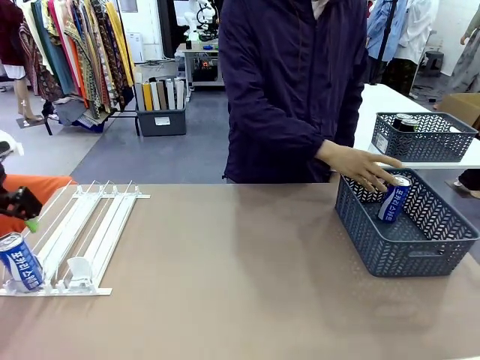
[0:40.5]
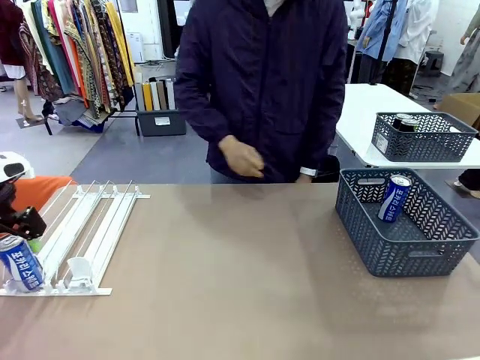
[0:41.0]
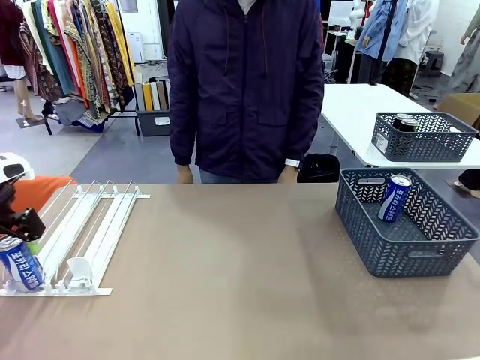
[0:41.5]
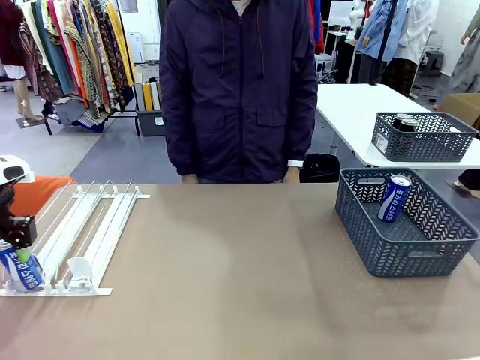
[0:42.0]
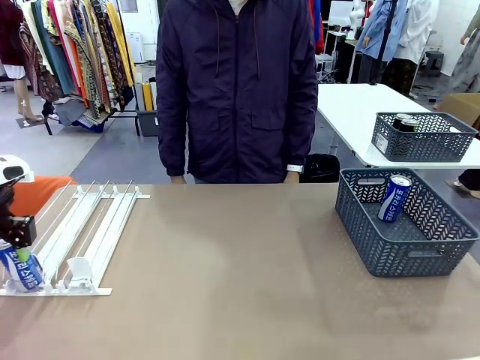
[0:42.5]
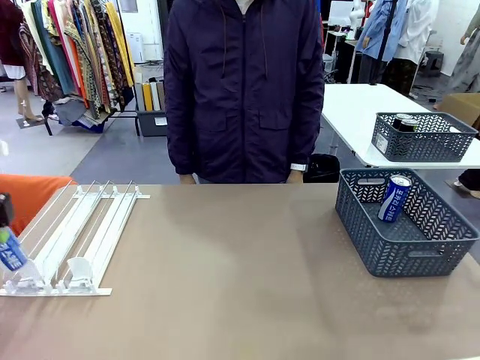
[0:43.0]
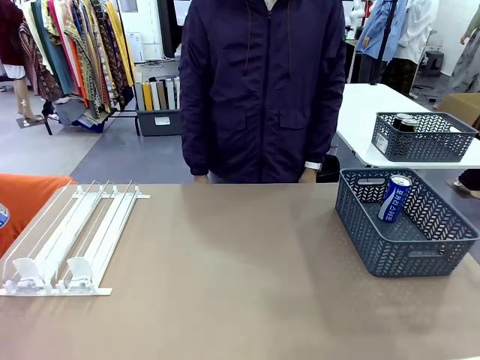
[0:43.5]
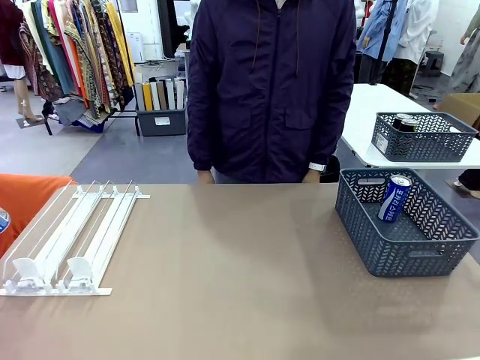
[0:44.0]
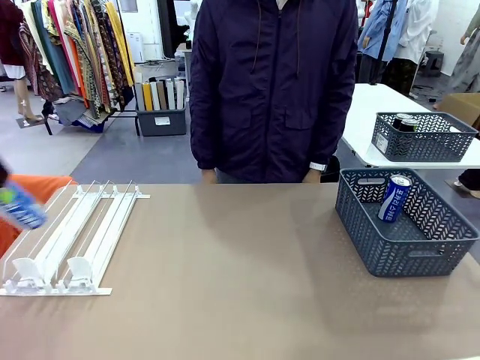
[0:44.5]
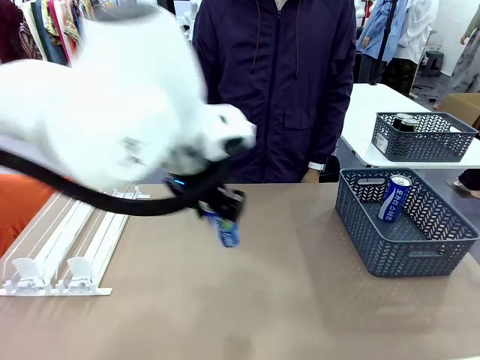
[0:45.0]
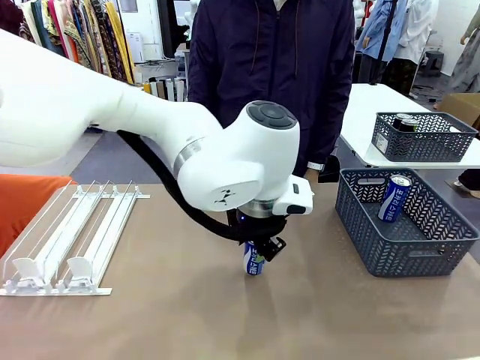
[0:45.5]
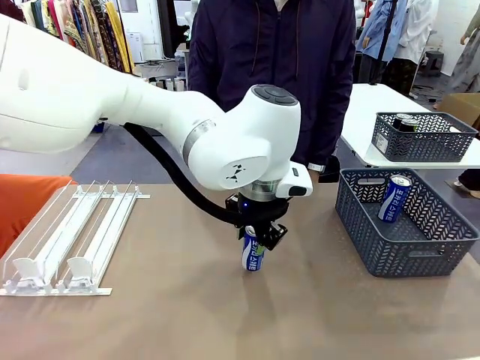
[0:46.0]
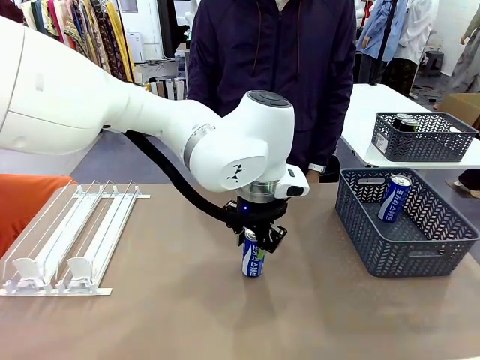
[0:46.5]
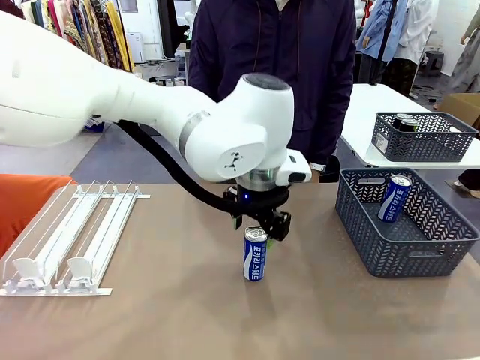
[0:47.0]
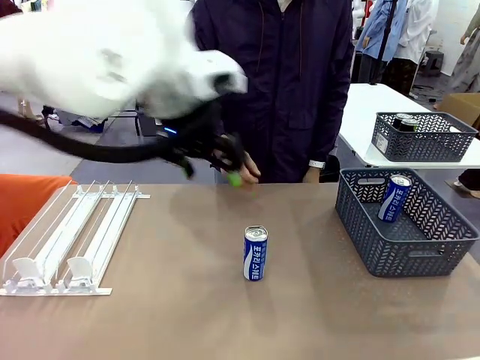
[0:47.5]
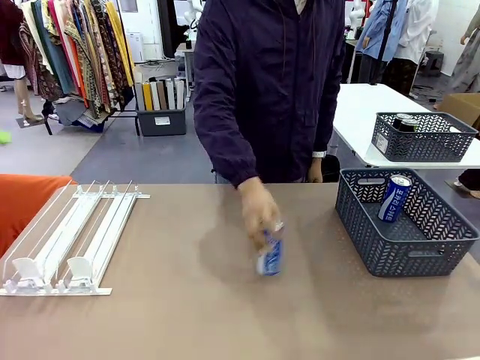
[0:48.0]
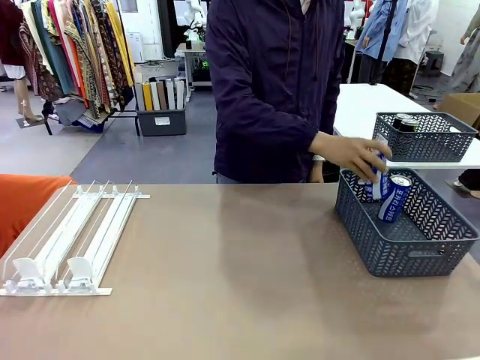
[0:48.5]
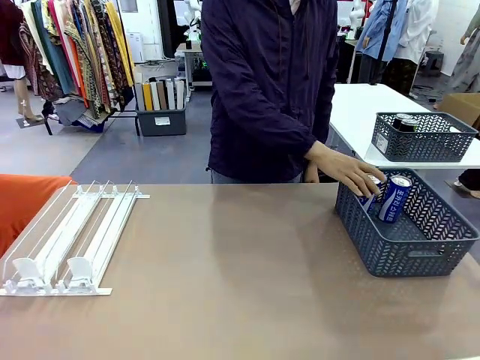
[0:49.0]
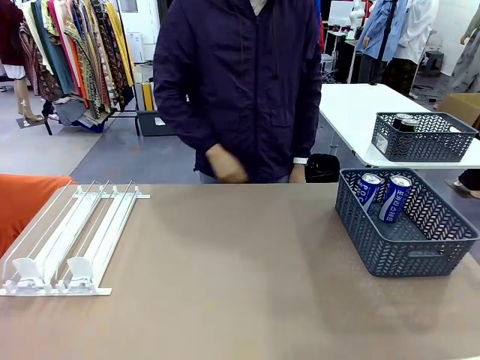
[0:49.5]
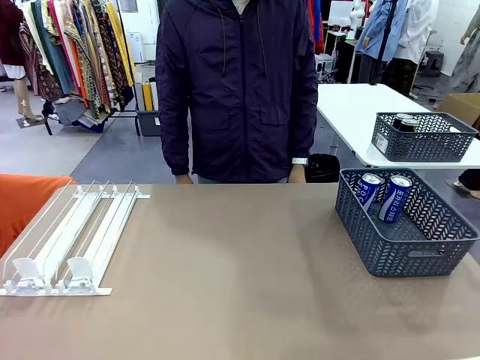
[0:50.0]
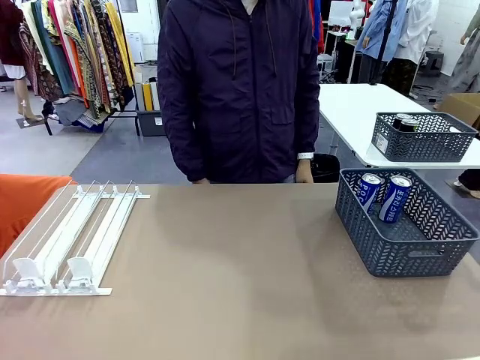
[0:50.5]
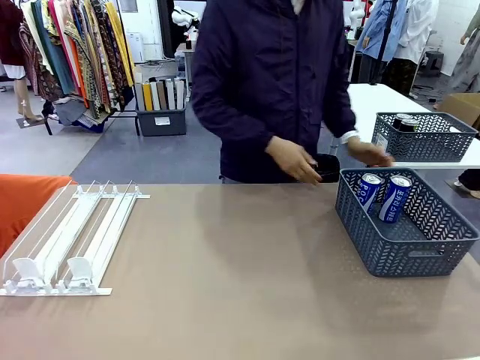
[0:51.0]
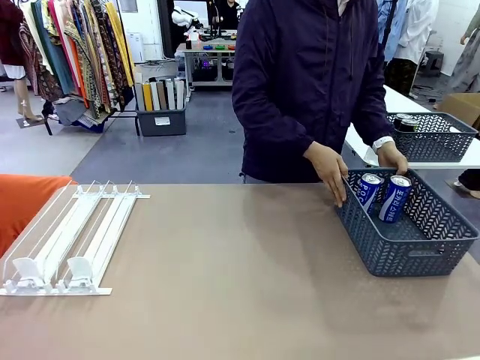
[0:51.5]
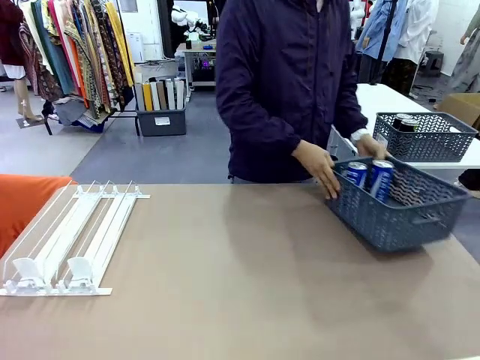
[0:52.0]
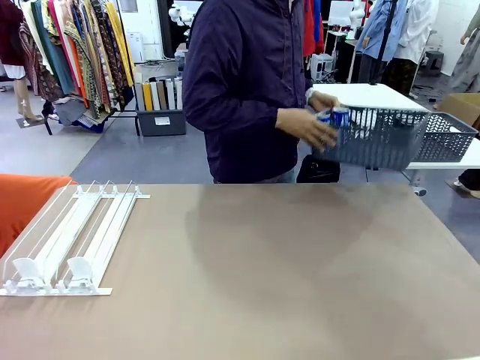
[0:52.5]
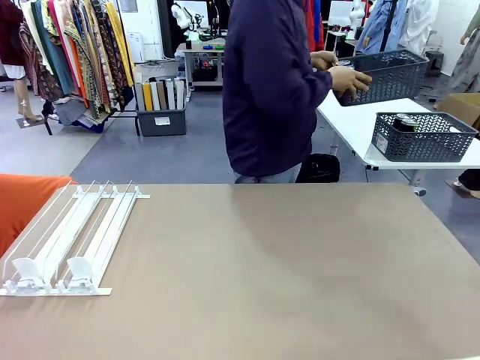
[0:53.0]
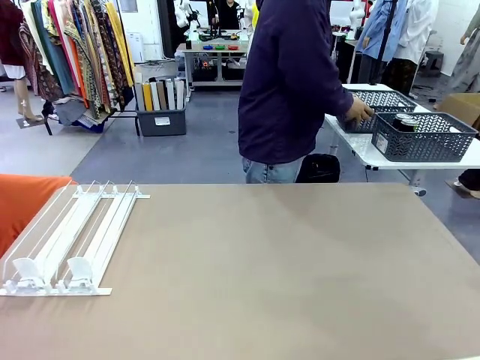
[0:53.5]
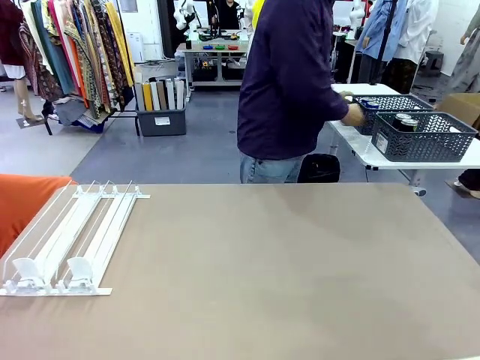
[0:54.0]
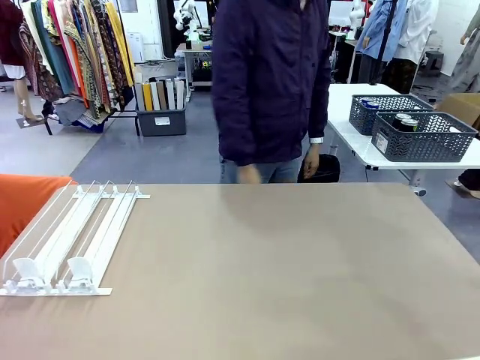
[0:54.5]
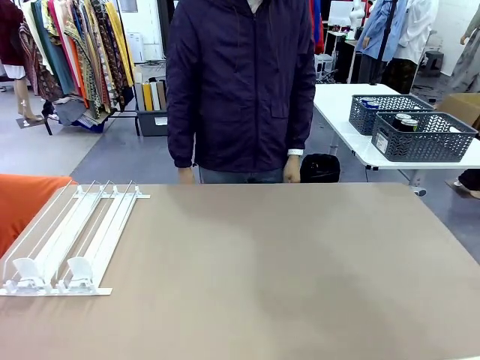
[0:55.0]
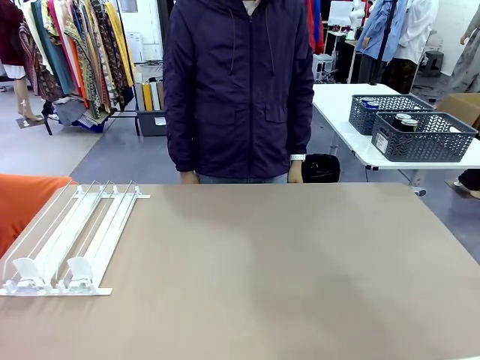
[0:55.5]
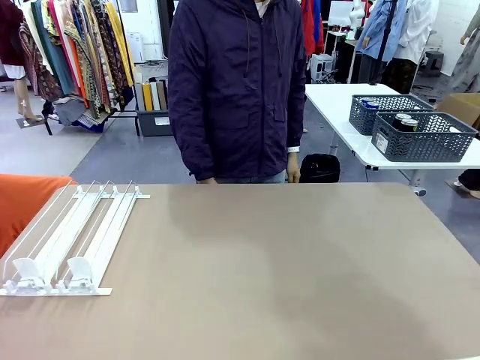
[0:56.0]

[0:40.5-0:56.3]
Task: Retrieve and store the cans from the dispenser.
Robot: Pick up one can from the Automatic Can Dispenser and place it in the middle of the table.
Person: Pick up one sports drink can from the middle of the robot table and place it in the basket. Pick up the basket and place it in the middle of the human table.

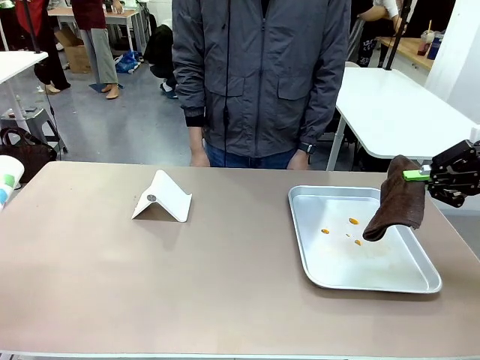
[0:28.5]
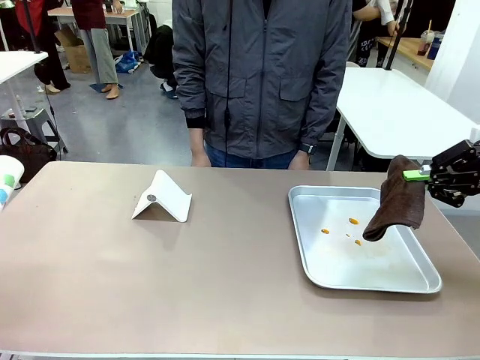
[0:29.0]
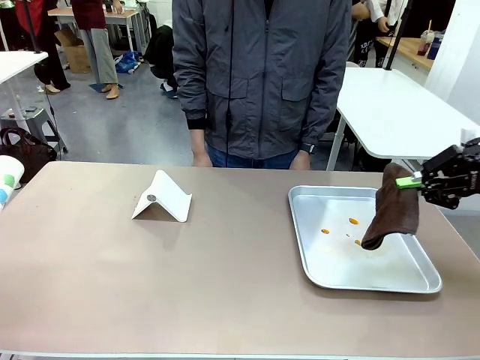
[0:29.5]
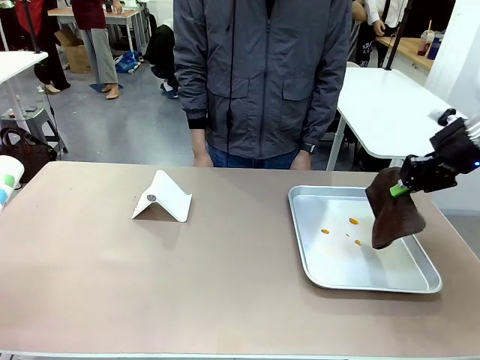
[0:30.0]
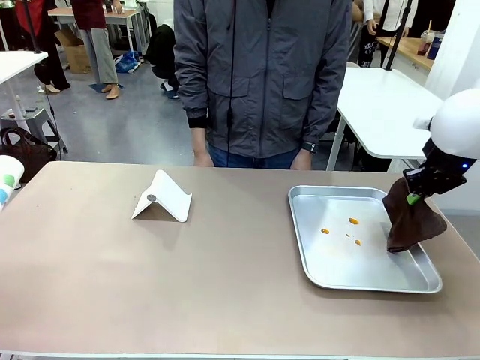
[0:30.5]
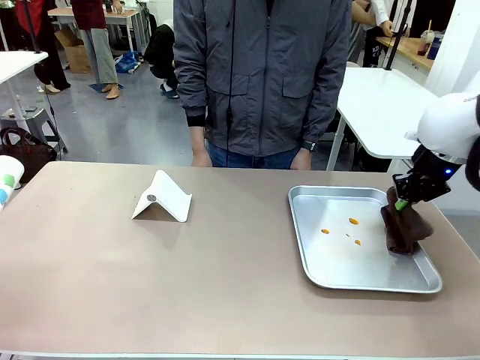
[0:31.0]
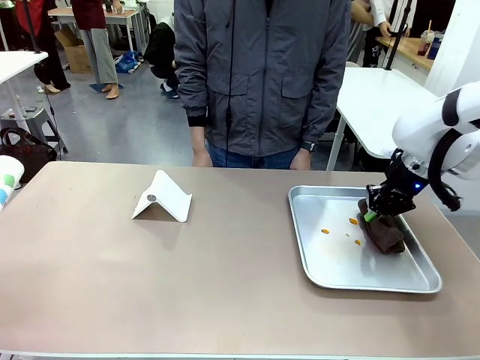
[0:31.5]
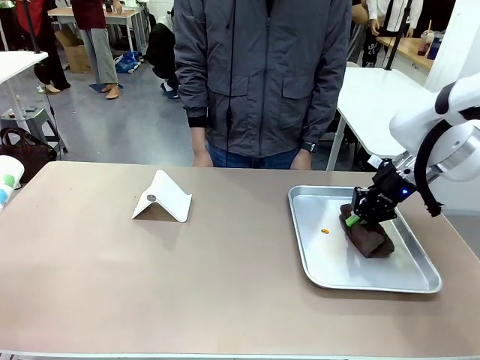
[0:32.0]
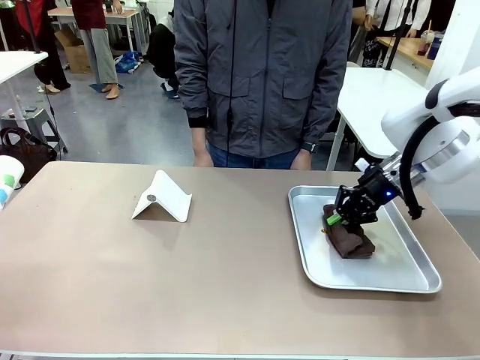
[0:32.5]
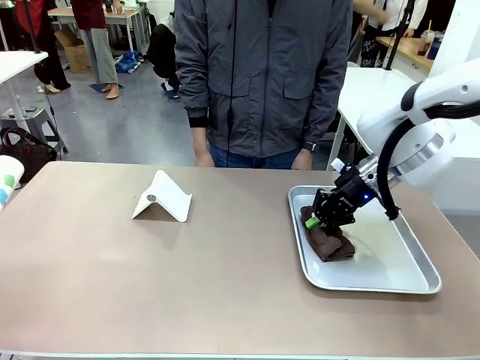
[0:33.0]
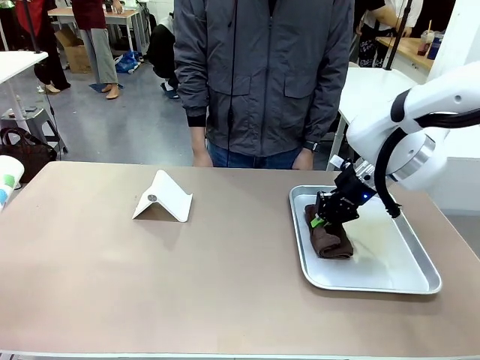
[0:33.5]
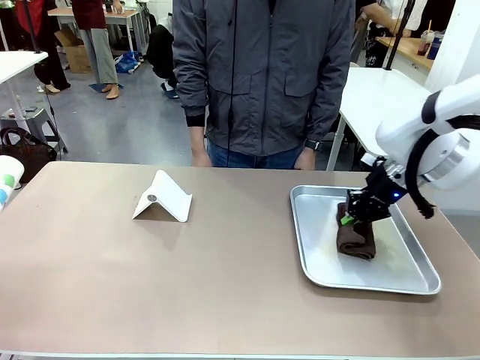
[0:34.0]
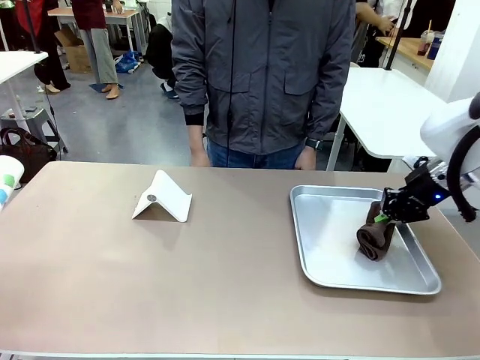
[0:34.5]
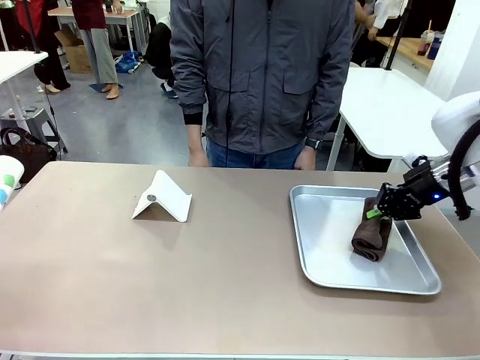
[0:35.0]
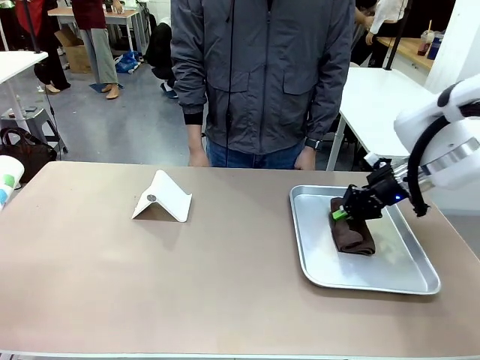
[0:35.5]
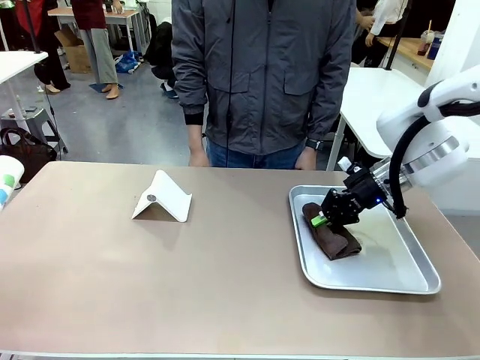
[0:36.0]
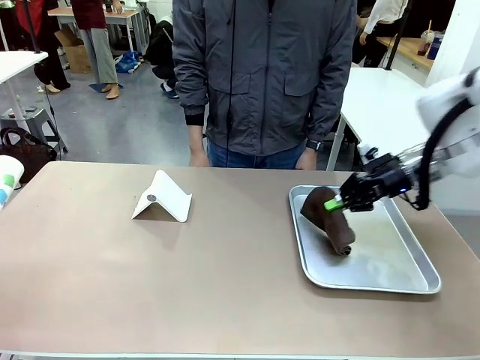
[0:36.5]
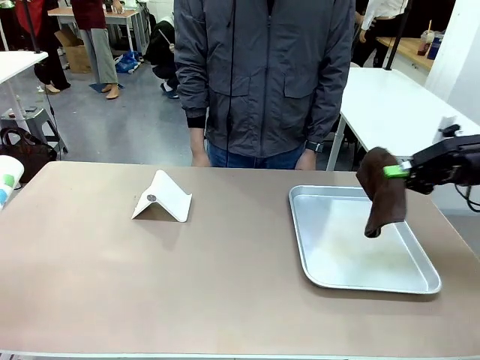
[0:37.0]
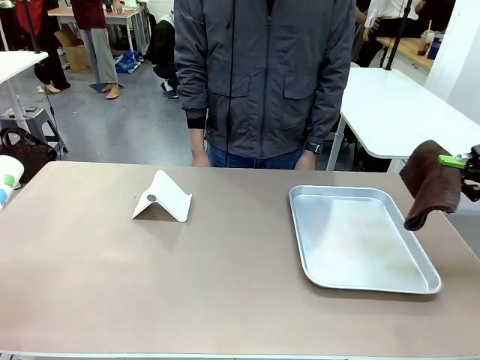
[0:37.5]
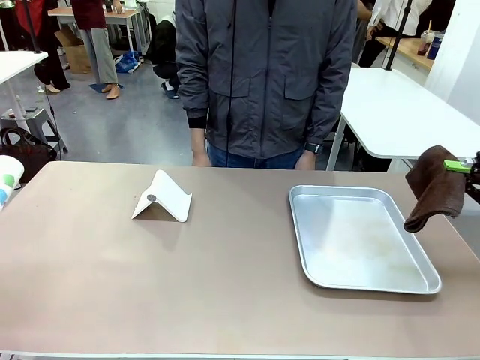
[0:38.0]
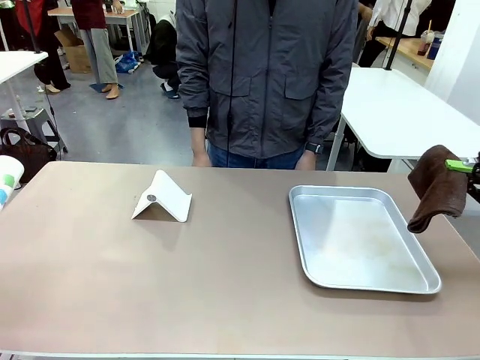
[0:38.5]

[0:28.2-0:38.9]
Task: Clean the surface of the table.
Robot: Clean the area not pointed to by the person.
